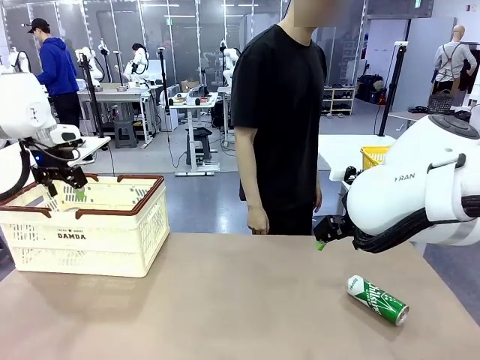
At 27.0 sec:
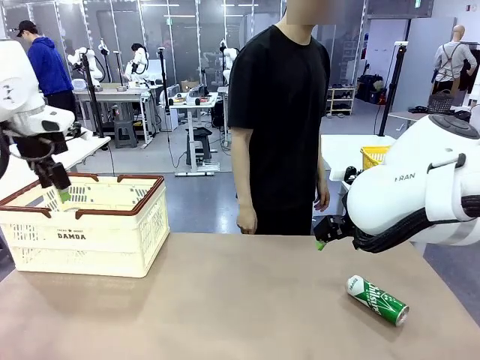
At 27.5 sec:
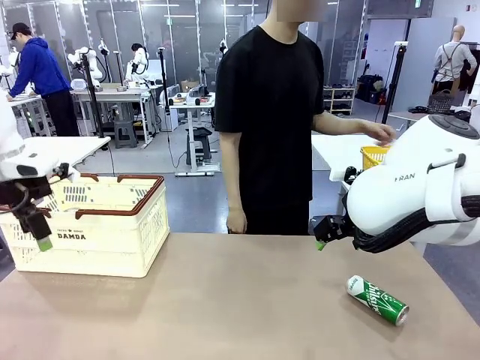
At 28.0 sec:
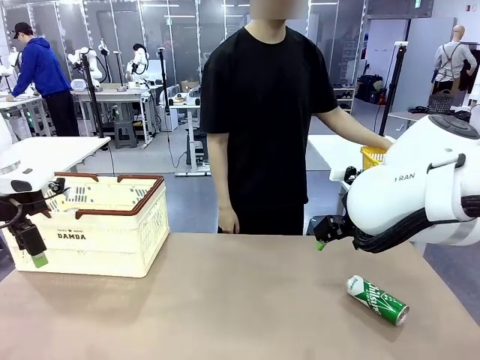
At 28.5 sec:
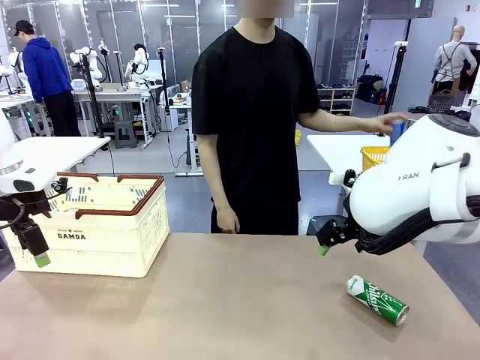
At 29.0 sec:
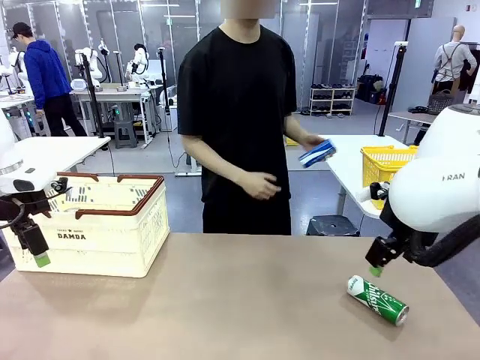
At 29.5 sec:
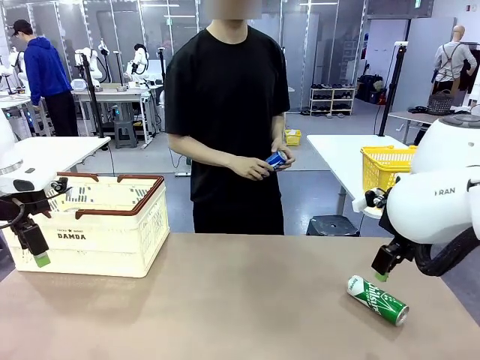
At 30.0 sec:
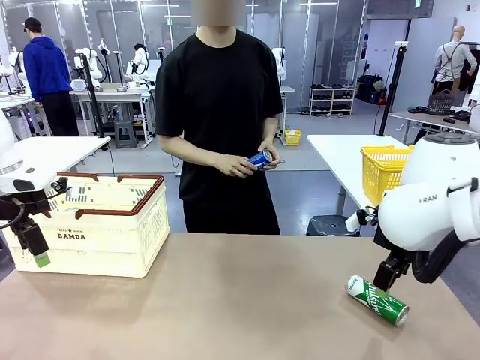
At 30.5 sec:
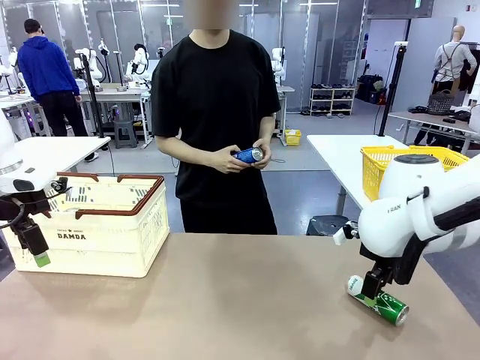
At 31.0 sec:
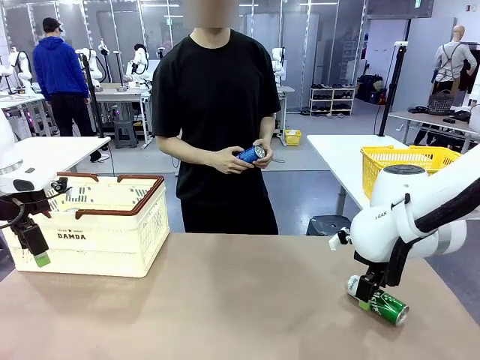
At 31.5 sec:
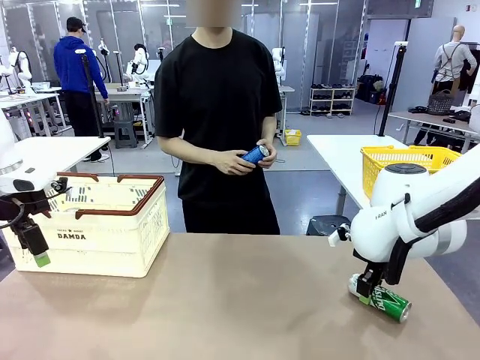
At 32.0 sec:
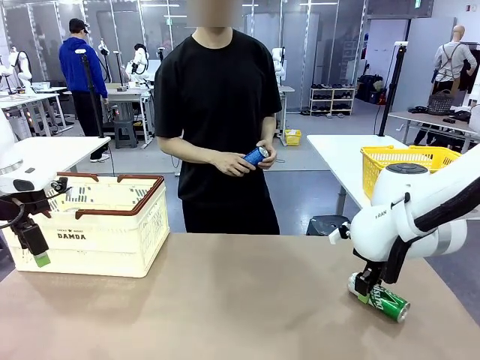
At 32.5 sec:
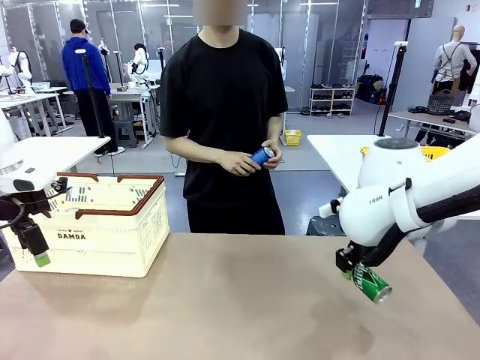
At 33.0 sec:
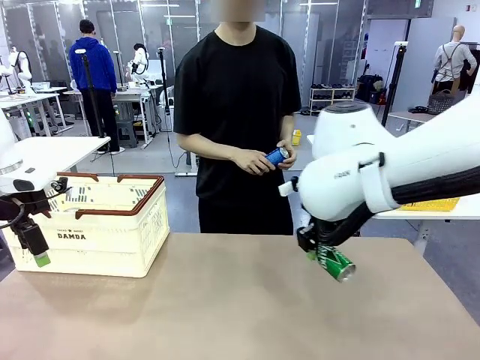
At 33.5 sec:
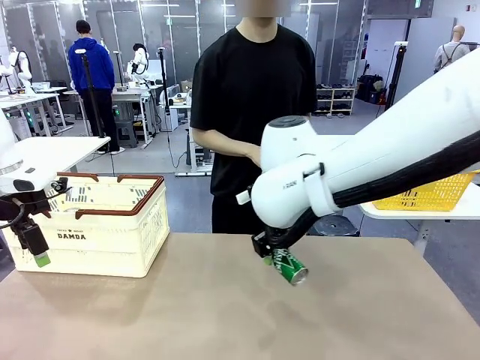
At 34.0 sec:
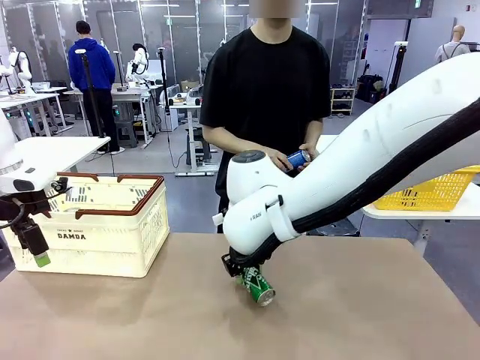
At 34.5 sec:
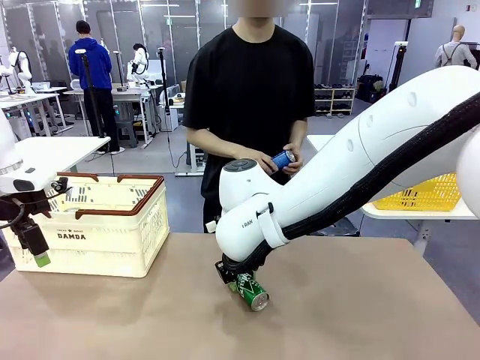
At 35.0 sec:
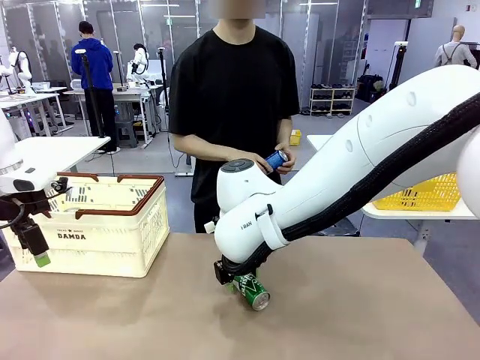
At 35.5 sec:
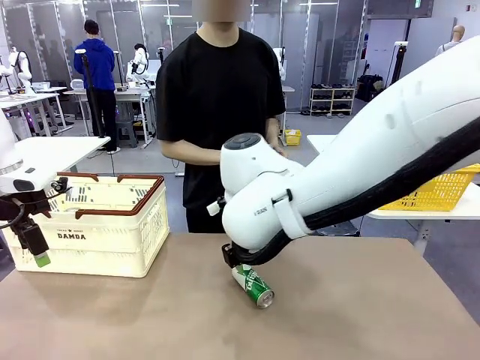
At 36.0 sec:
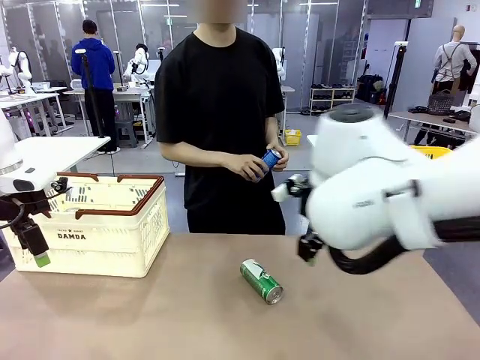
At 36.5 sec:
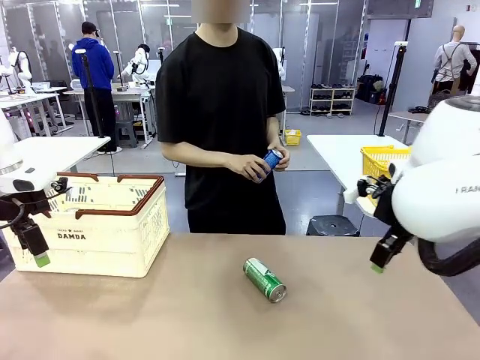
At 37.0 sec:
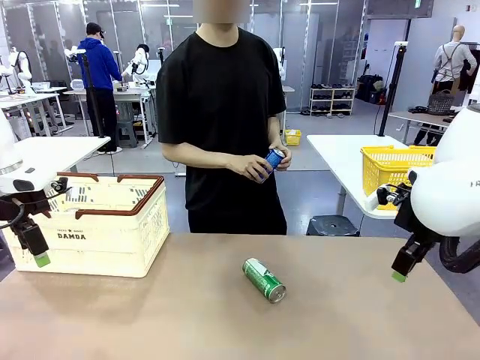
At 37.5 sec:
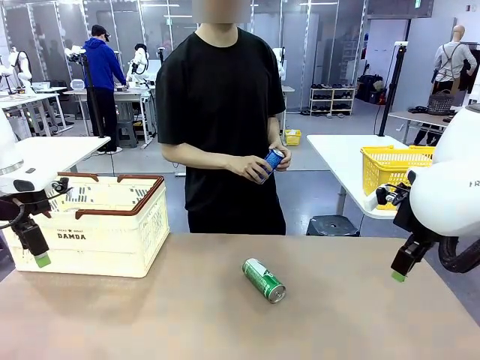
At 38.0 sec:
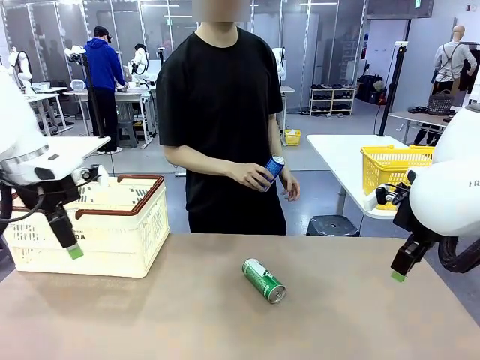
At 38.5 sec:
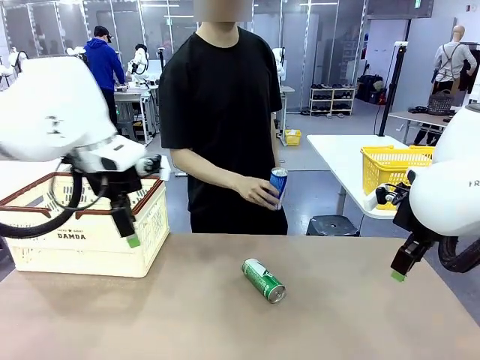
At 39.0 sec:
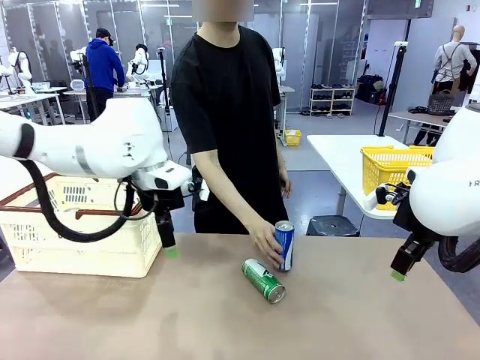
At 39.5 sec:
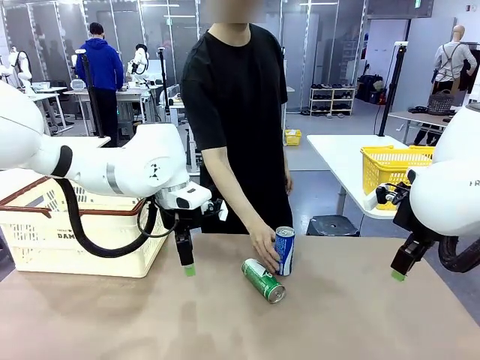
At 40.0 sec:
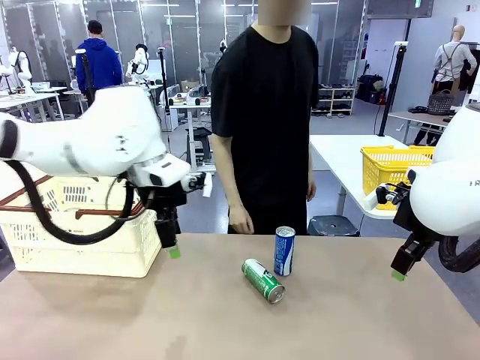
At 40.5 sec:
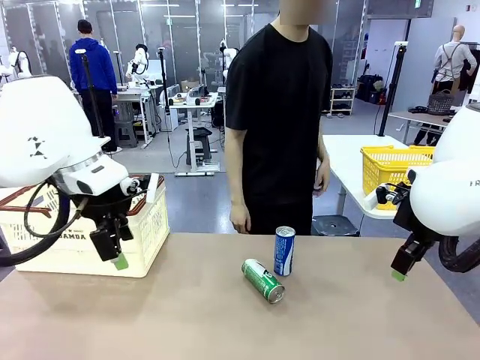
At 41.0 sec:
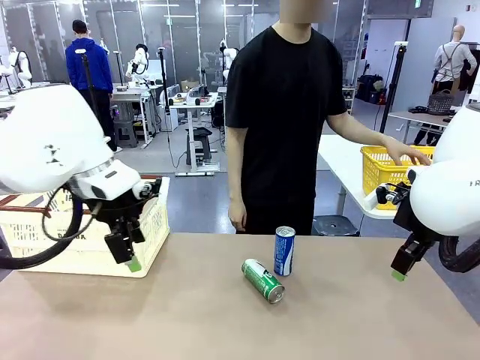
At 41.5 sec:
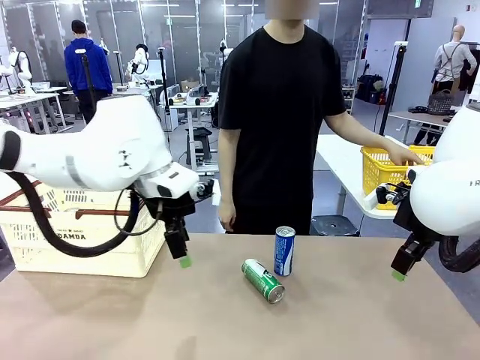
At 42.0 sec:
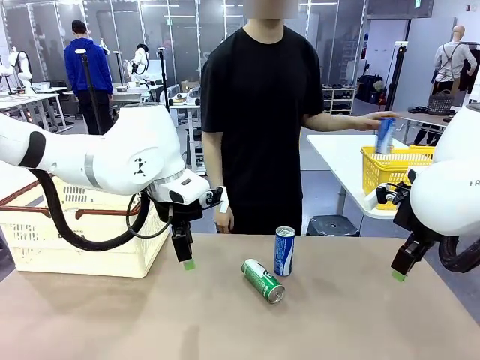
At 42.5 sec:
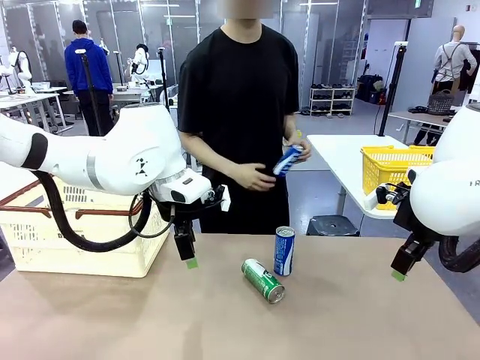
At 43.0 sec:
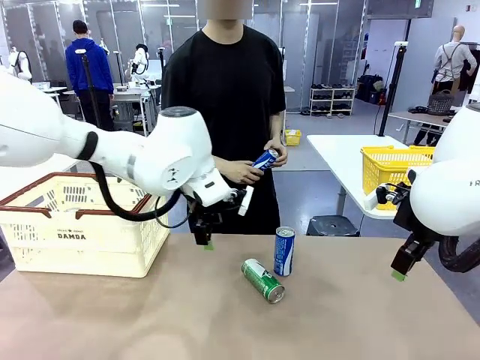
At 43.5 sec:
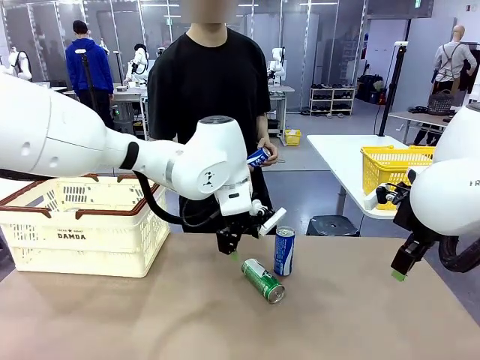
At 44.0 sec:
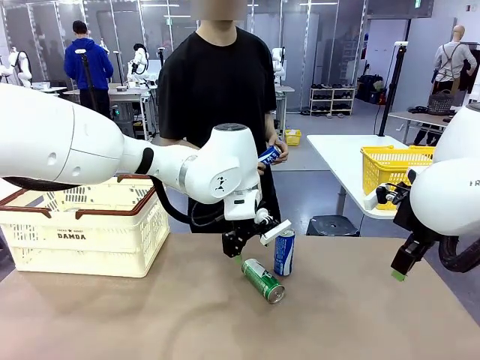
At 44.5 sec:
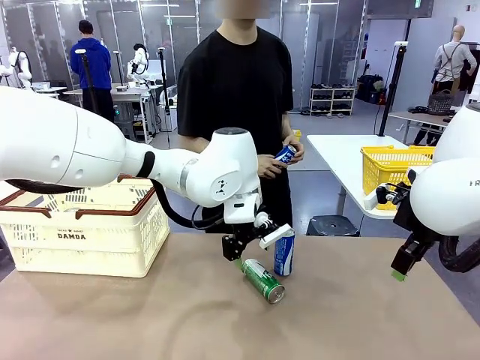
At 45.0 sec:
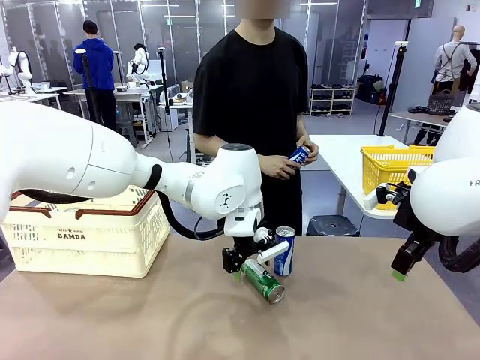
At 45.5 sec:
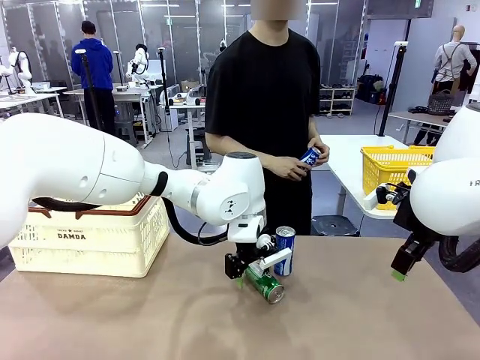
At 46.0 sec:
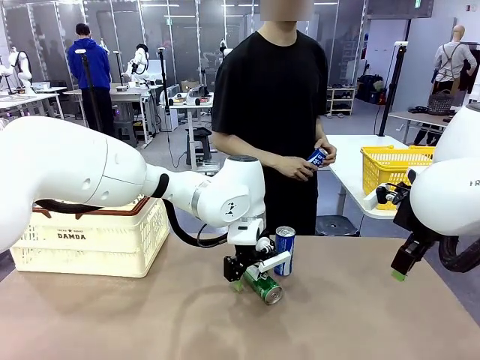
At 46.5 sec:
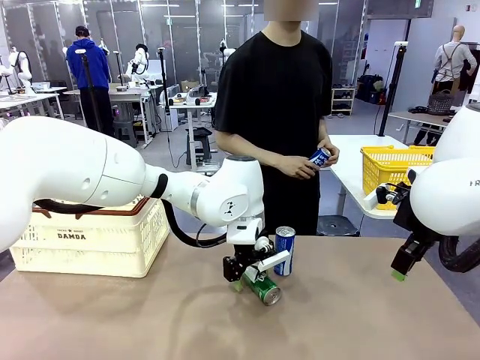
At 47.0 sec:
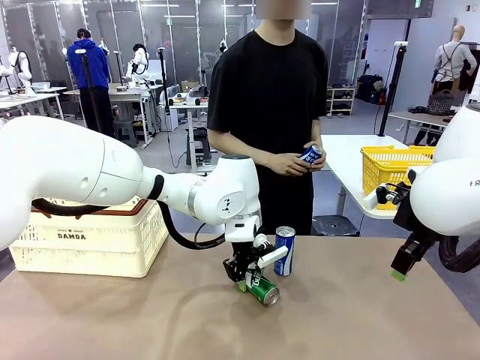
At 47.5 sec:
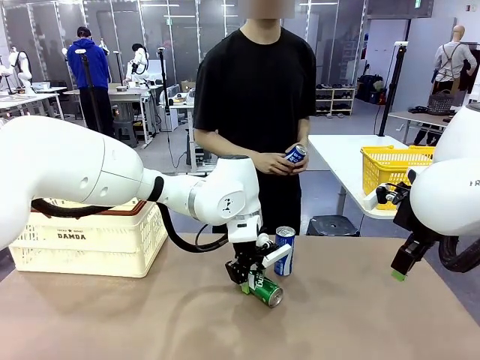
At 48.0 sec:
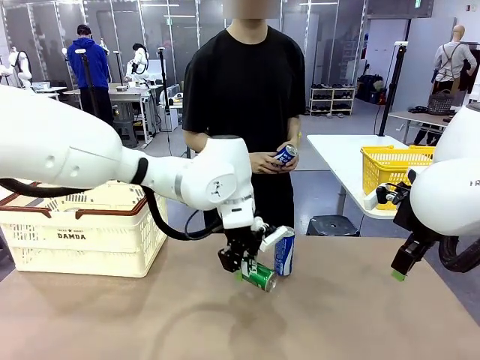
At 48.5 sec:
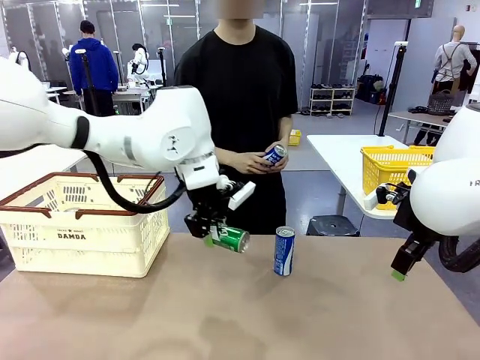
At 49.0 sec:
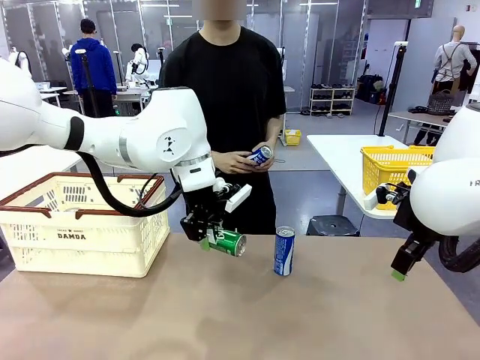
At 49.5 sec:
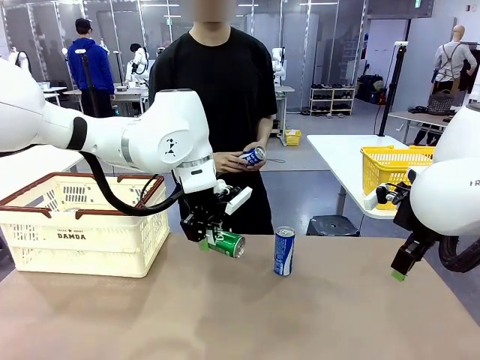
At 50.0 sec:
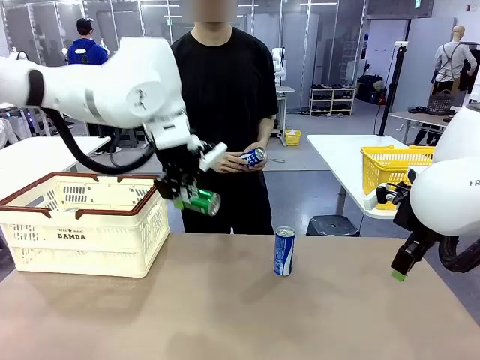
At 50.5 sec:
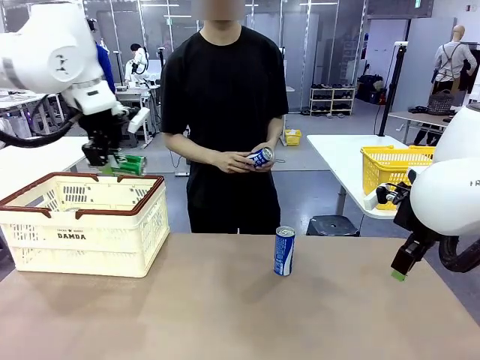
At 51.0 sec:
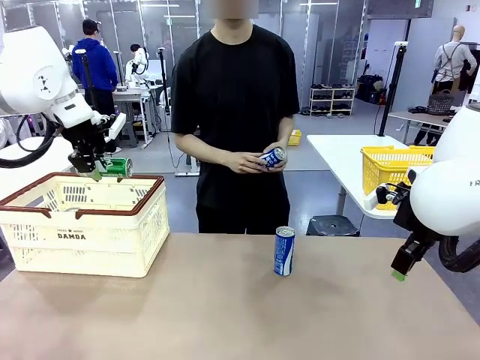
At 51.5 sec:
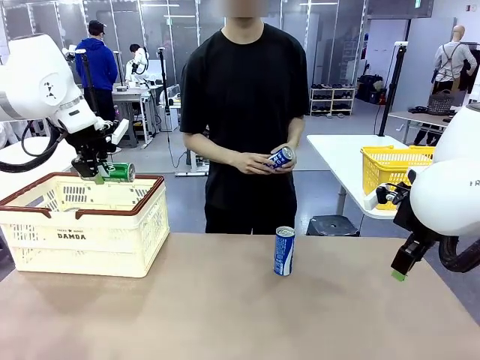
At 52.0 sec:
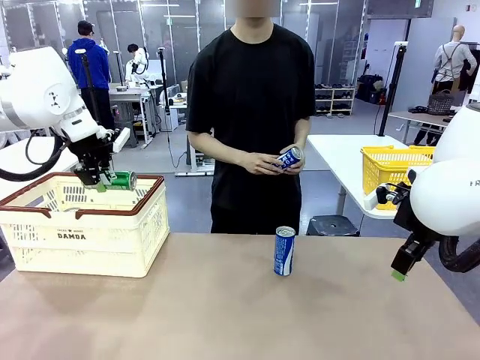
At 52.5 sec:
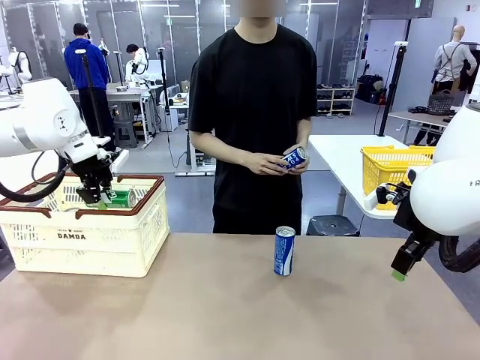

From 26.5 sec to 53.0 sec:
Task: Place the drinks into the Shopping basket.
Robot: Pick up one drink and place it into the Shopping basket.
